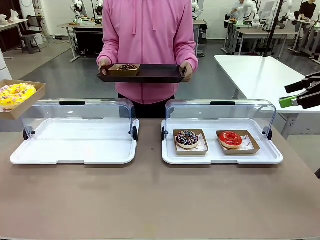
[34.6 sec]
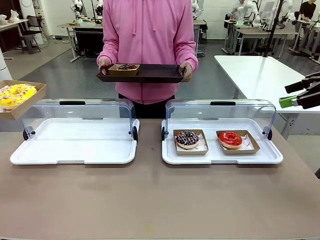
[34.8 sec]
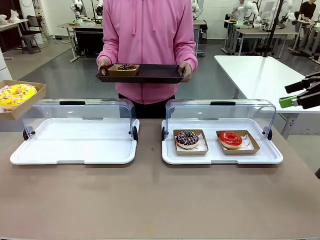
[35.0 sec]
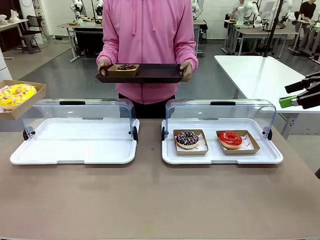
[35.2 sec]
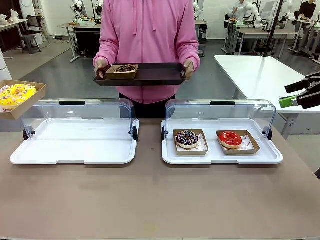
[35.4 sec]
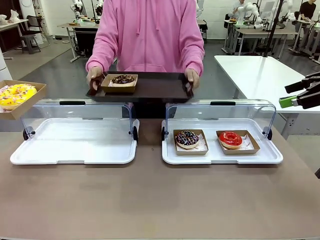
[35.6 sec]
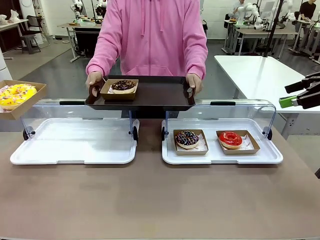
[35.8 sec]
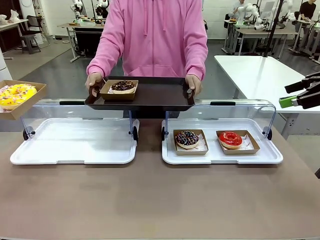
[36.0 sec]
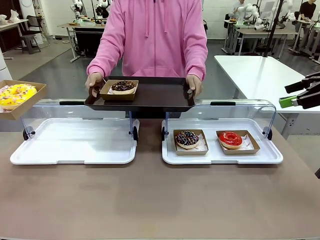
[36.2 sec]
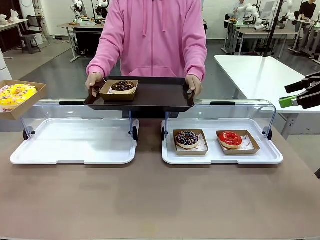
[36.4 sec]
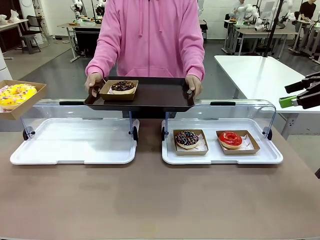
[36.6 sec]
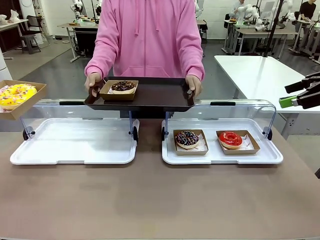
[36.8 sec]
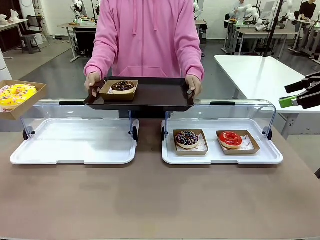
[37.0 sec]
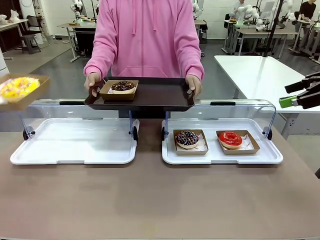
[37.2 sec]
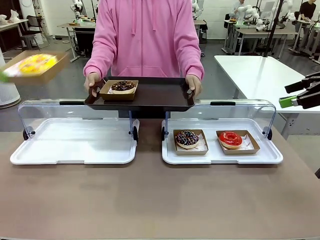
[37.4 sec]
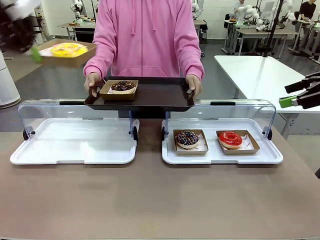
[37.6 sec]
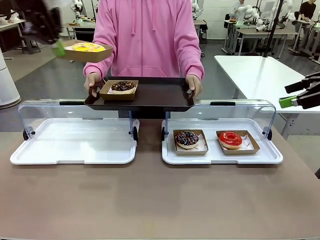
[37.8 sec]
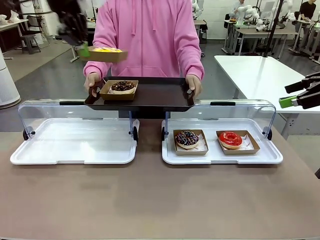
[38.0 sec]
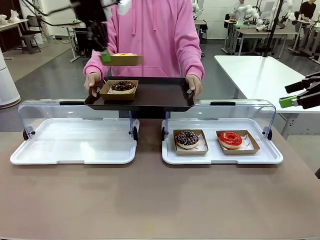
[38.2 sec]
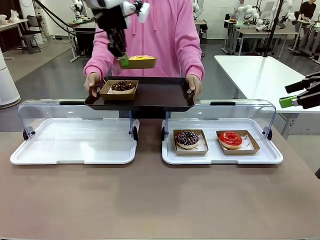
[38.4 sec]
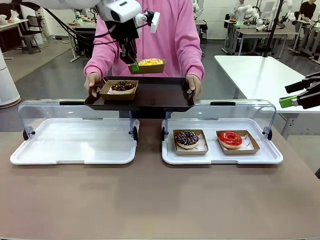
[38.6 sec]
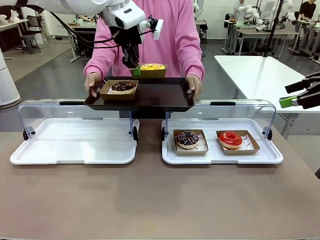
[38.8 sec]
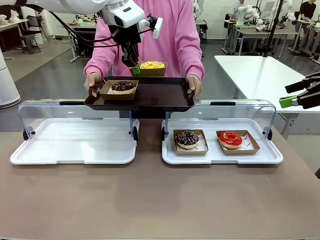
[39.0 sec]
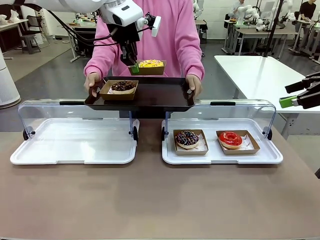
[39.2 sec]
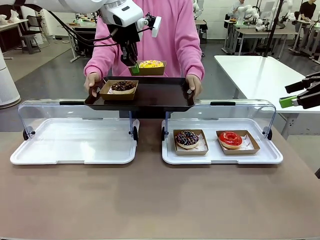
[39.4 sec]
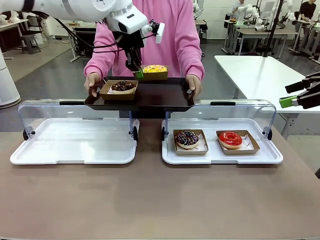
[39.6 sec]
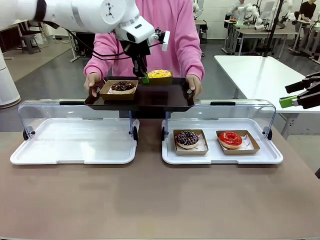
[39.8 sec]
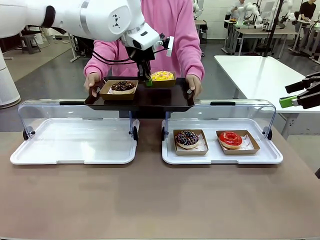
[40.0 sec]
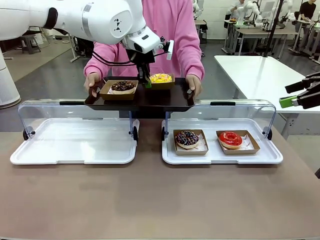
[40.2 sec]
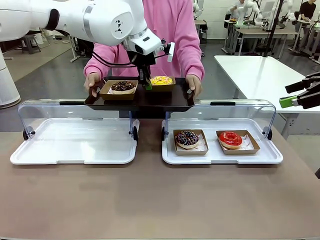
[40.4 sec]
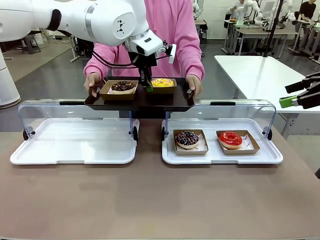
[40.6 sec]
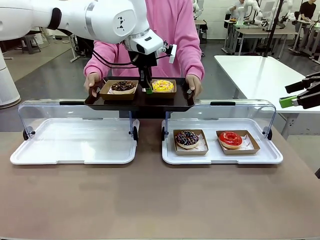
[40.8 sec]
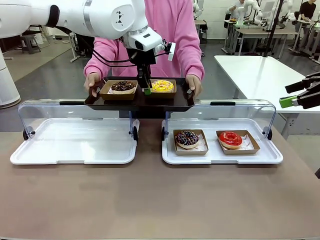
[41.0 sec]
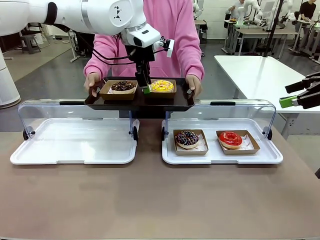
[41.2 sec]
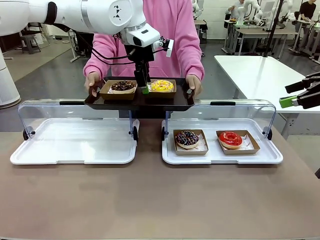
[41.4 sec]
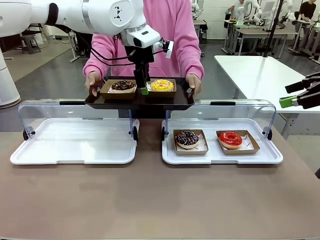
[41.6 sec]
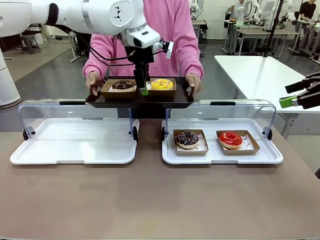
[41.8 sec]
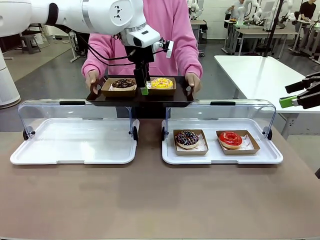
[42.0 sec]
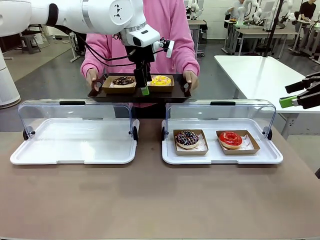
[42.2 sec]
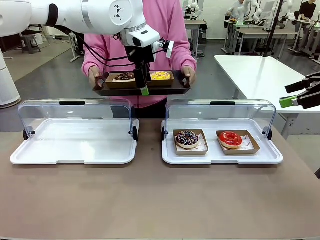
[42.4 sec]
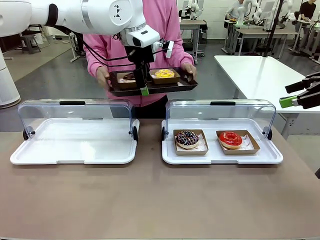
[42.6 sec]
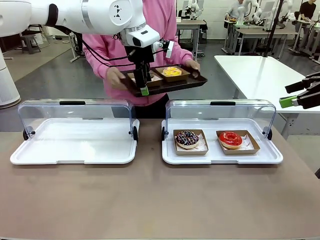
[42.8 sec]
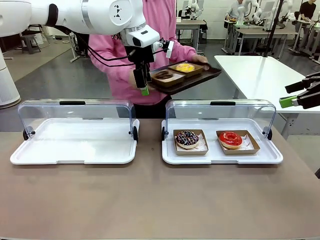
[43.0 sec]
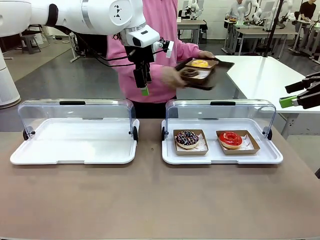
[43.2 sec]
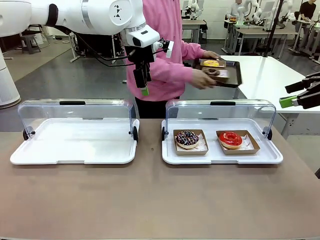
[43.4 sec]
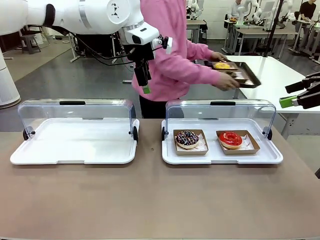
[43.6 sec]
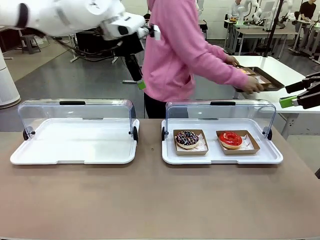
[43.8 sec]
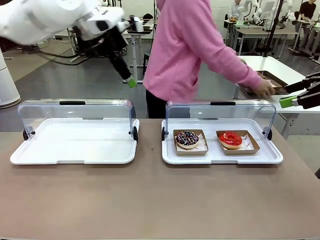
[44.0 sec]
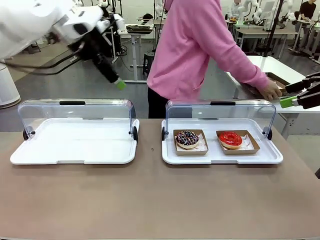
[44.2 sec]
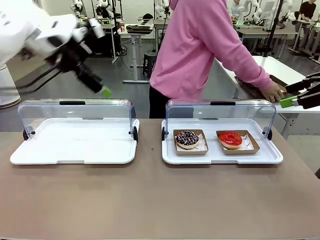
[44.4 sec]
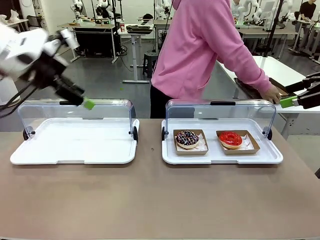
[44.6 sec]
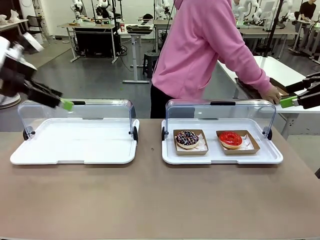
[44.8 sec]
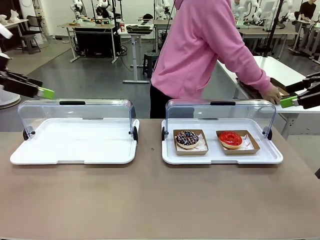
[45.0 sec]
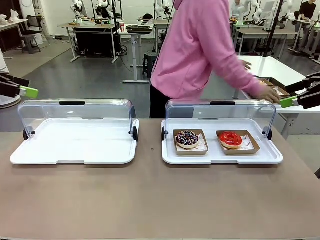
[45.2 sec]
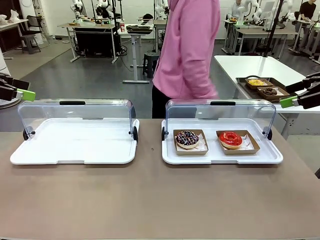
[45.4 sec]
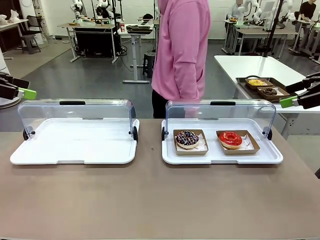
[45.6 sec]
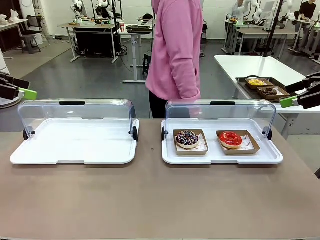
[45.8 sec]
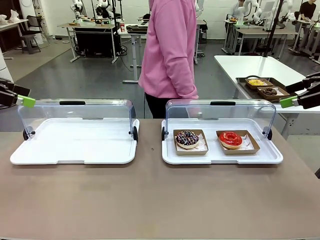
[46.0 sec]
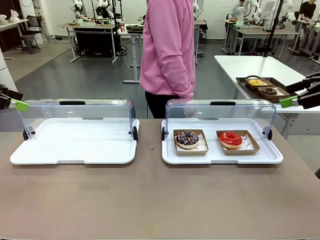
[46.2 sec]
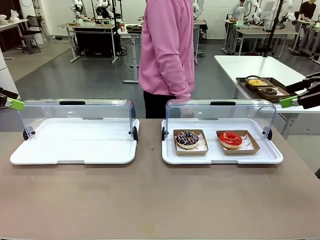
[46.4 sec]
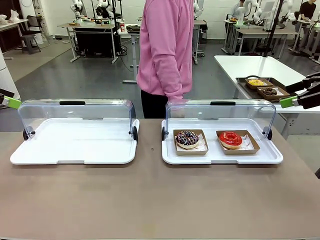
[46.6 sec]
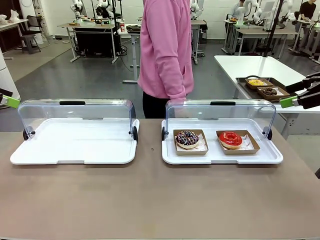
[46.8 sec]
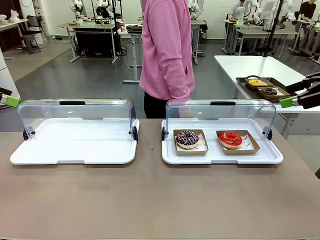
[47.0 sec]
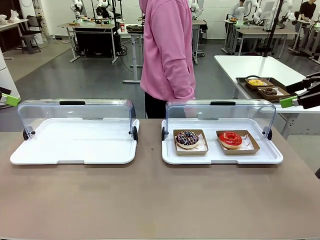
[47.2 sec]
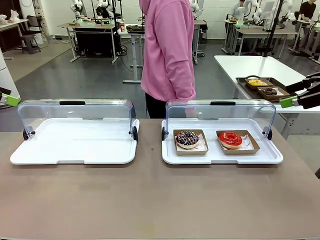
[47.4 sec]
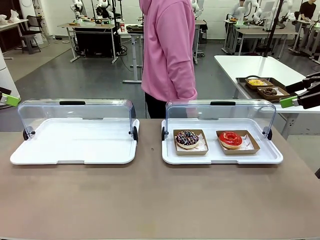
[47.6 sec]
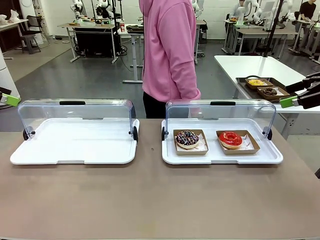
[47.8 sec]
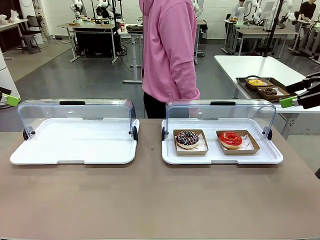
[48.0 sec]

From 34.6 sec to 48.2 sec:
Task: Provide the desired donut to the person.
Robot: Place the picked Paper togo box onto the Handle tray extended by the person.
Person: Place the tray in the middle of the human table.
